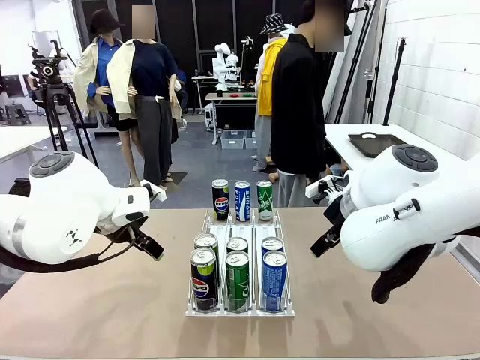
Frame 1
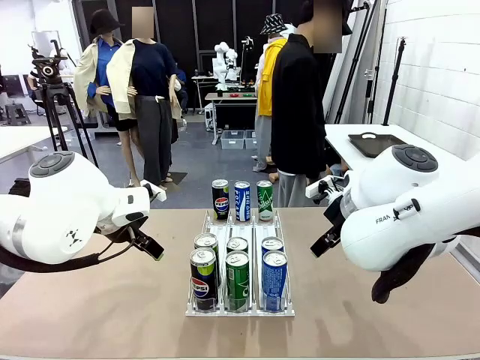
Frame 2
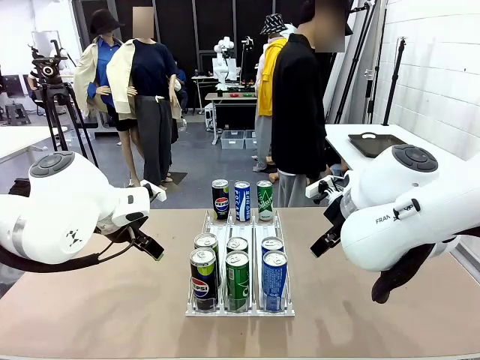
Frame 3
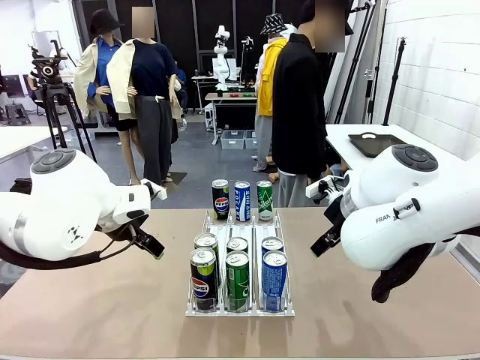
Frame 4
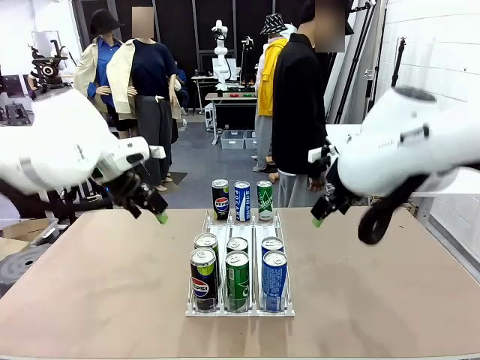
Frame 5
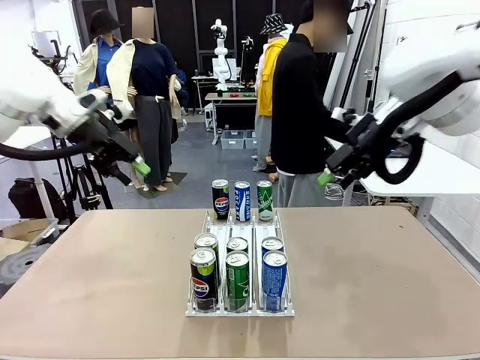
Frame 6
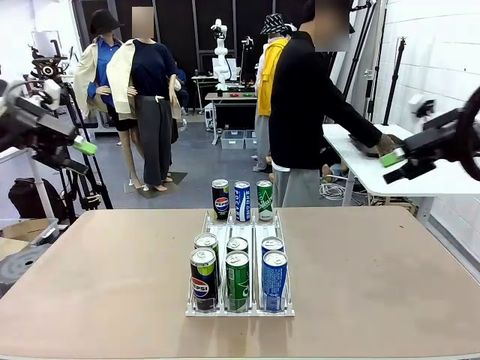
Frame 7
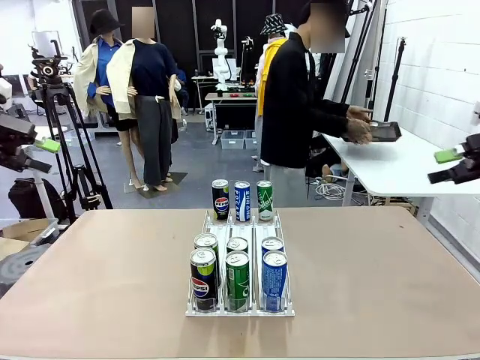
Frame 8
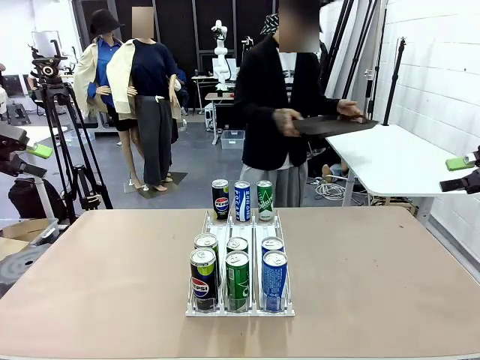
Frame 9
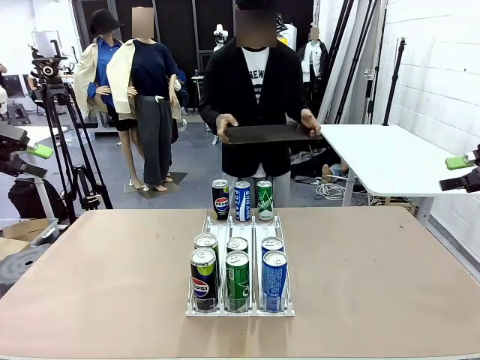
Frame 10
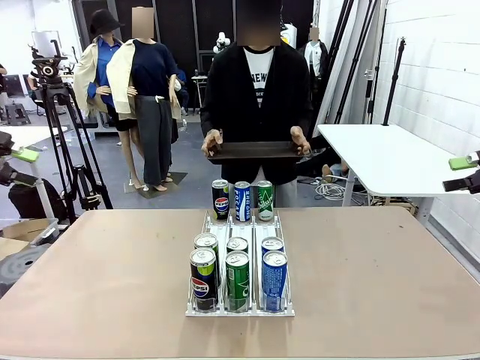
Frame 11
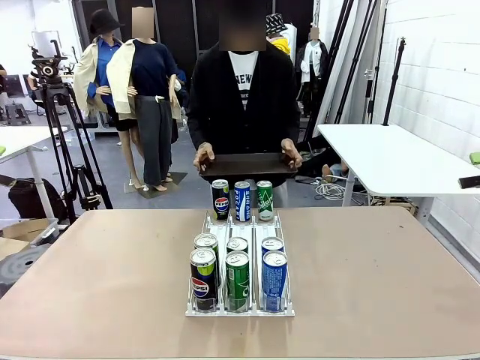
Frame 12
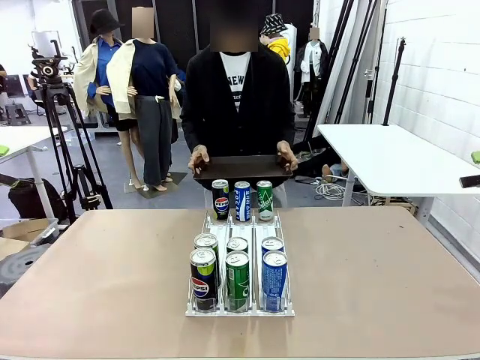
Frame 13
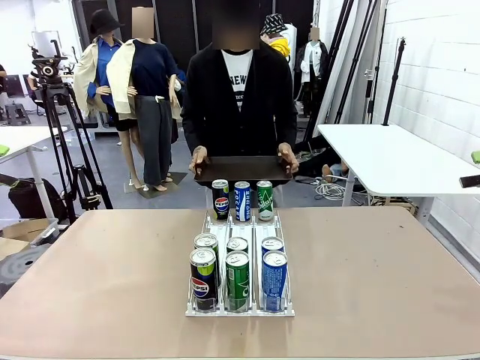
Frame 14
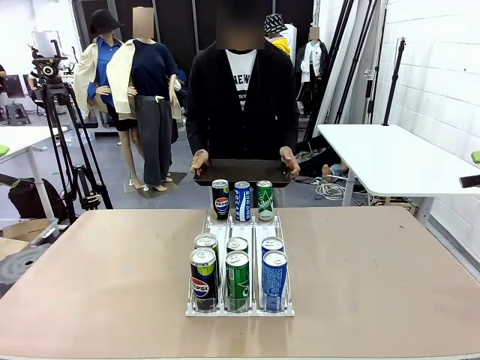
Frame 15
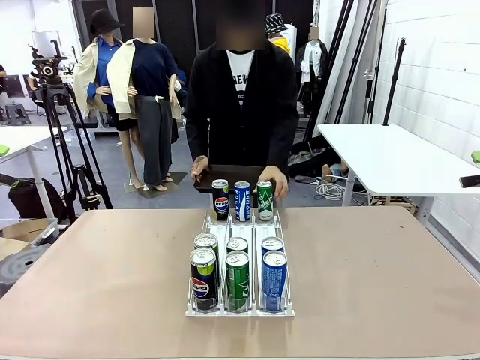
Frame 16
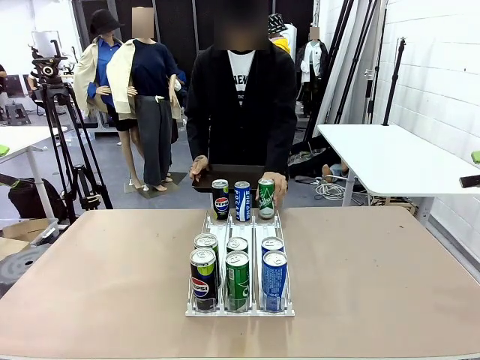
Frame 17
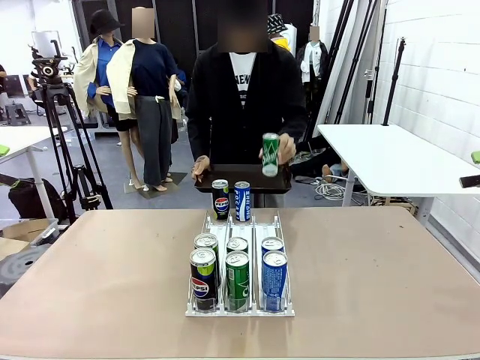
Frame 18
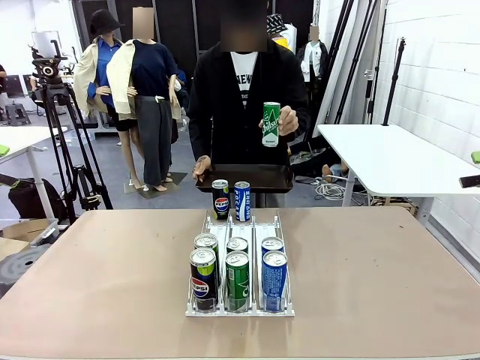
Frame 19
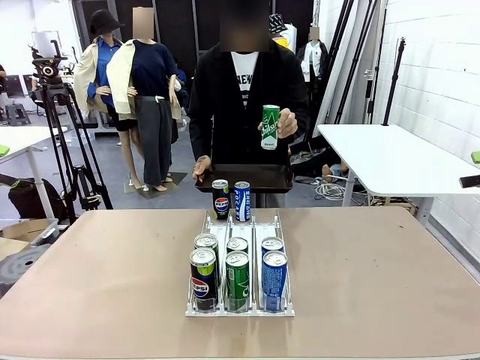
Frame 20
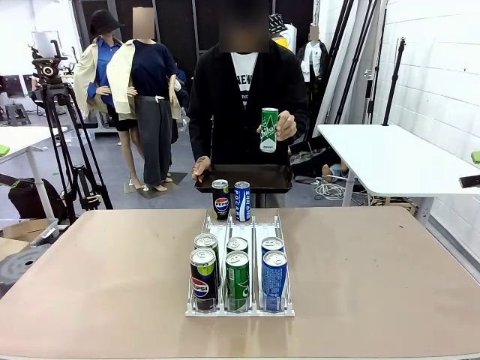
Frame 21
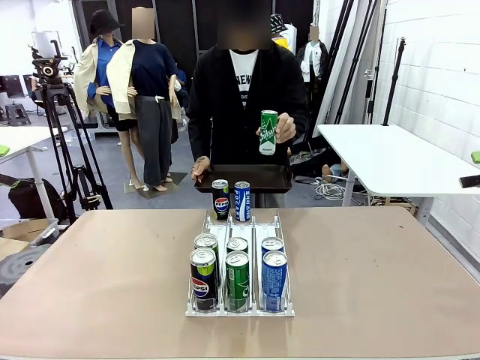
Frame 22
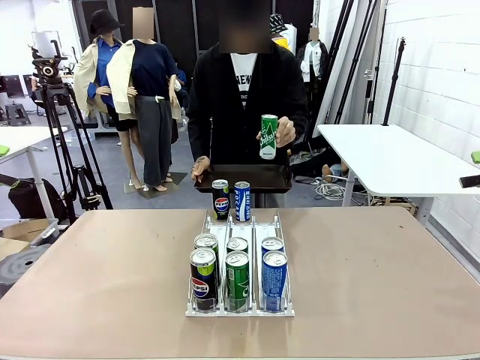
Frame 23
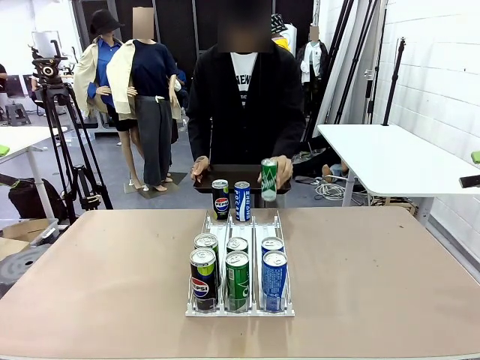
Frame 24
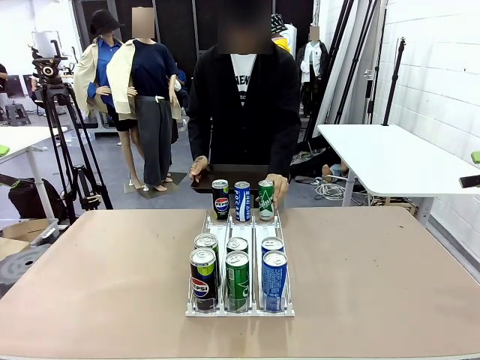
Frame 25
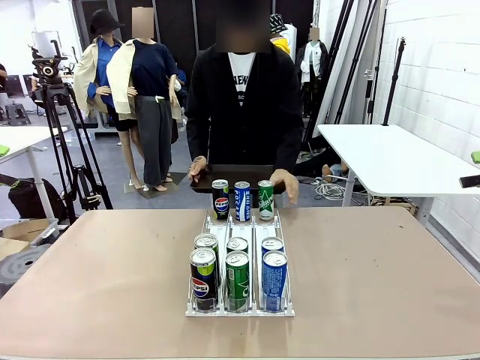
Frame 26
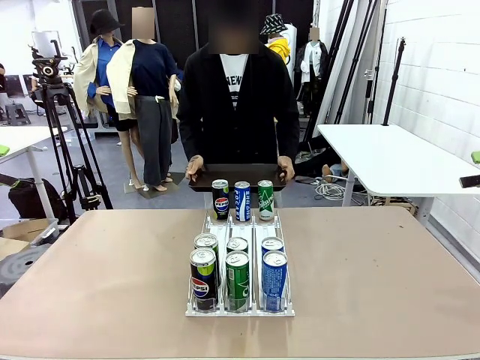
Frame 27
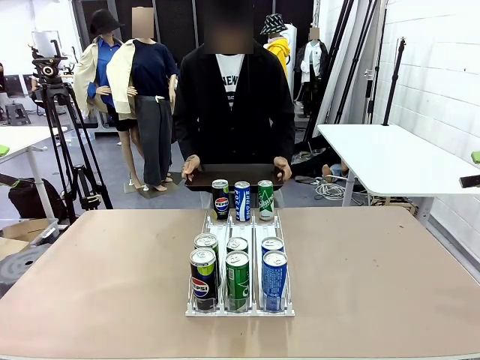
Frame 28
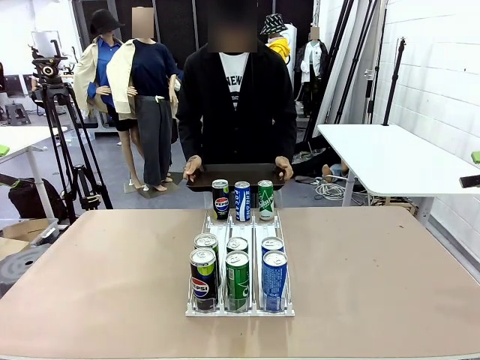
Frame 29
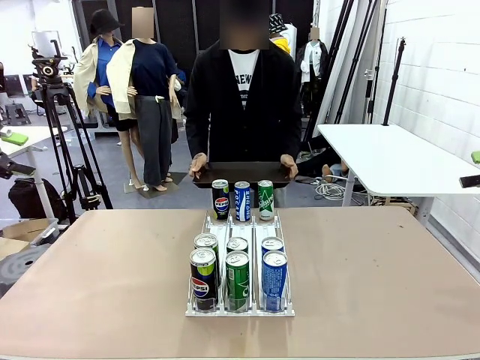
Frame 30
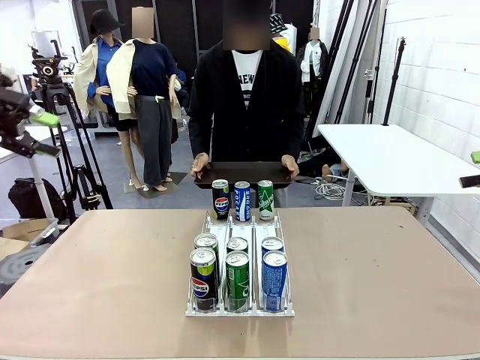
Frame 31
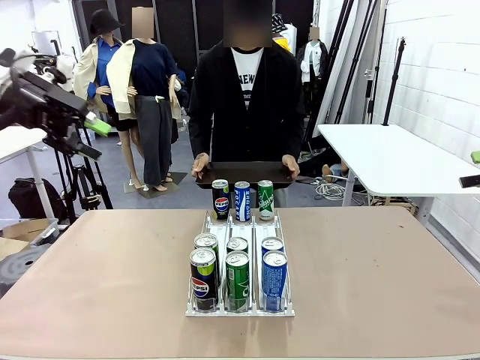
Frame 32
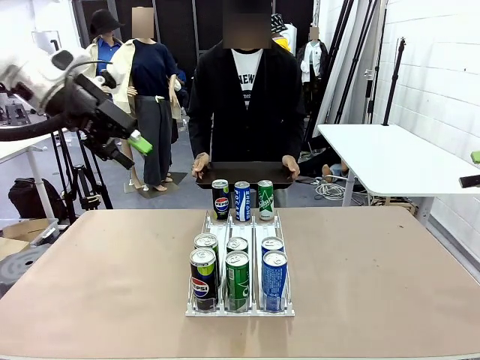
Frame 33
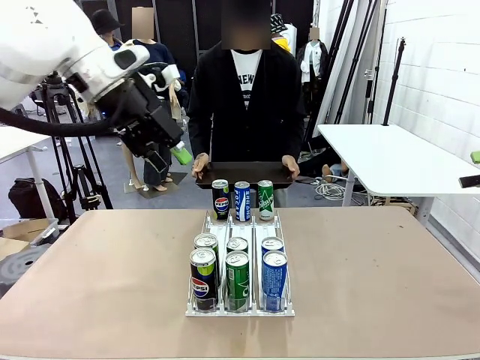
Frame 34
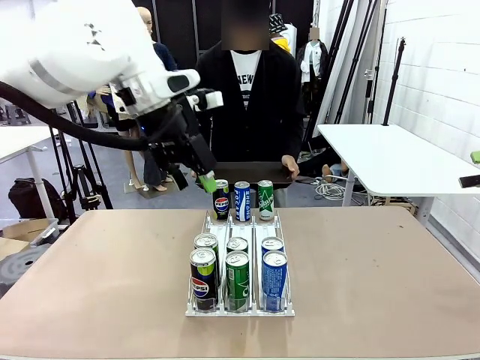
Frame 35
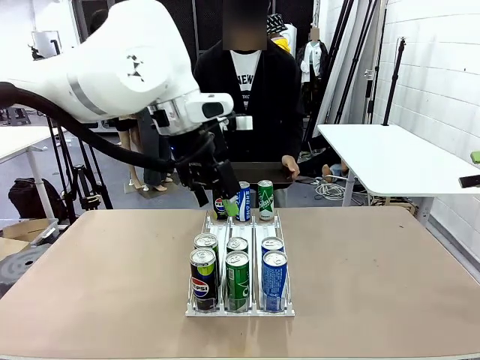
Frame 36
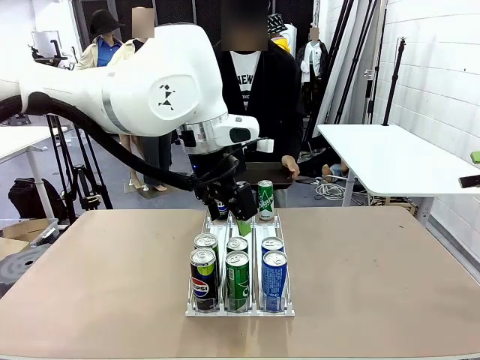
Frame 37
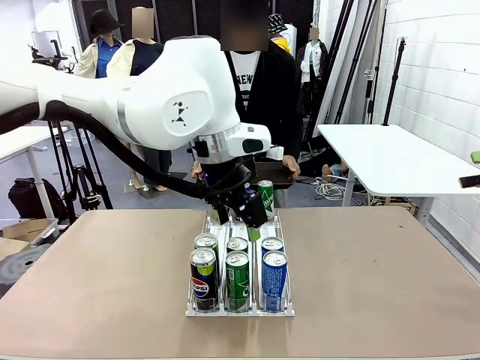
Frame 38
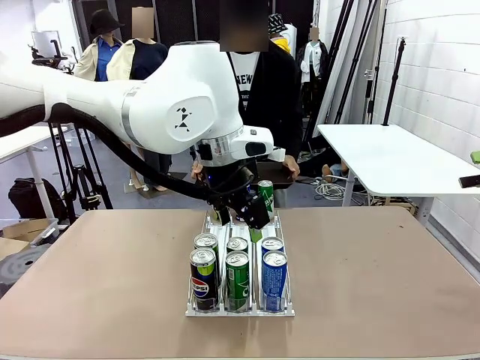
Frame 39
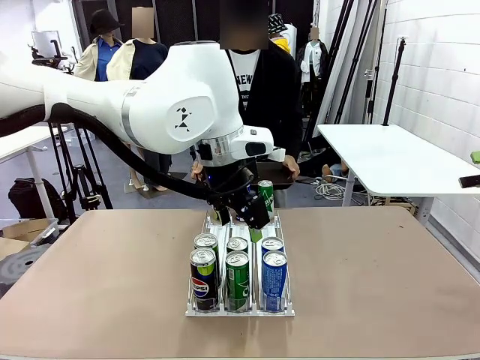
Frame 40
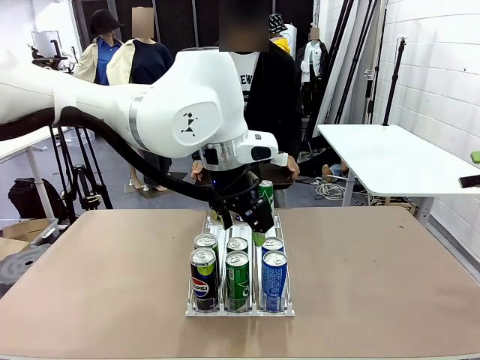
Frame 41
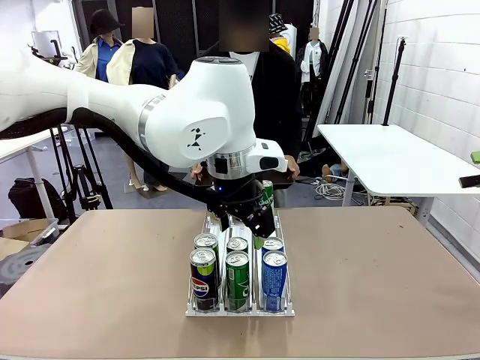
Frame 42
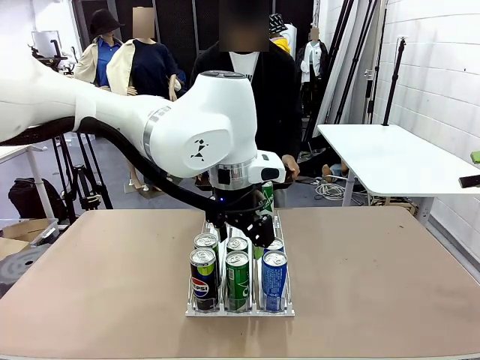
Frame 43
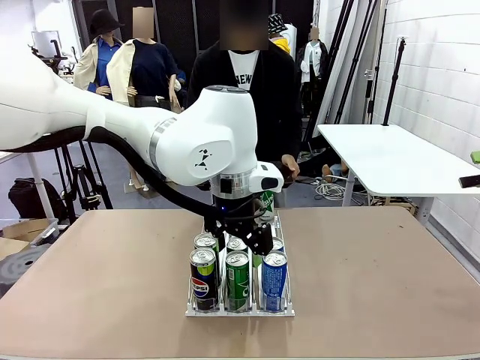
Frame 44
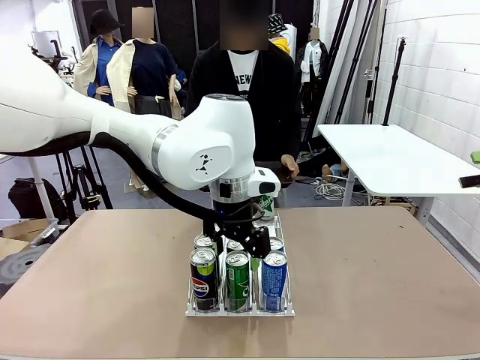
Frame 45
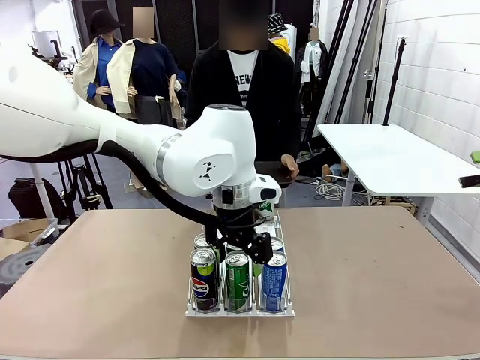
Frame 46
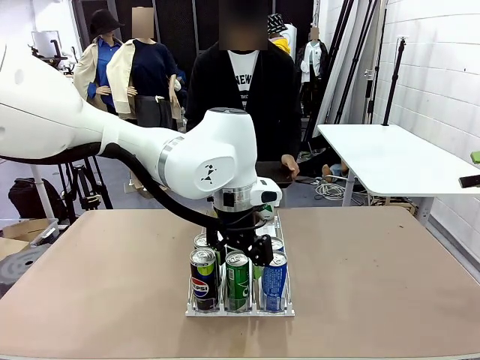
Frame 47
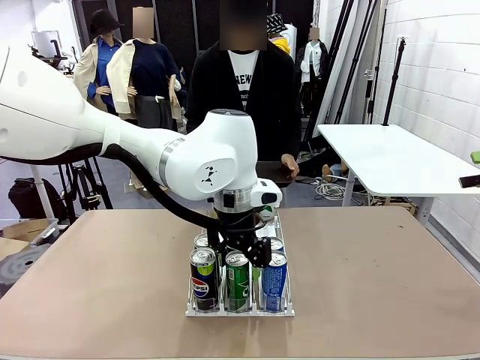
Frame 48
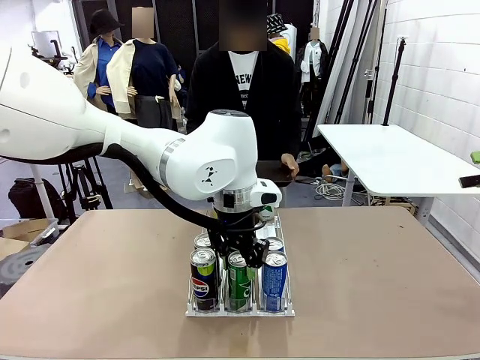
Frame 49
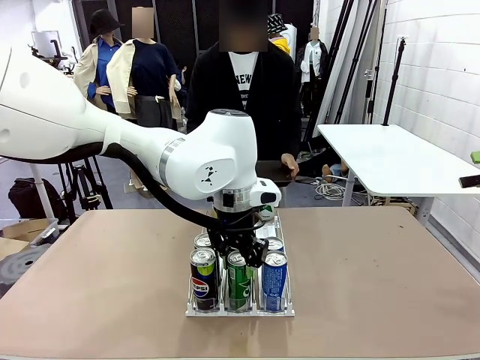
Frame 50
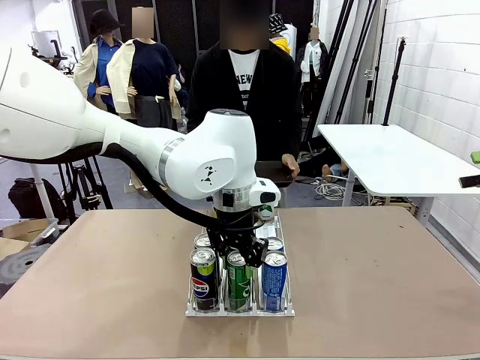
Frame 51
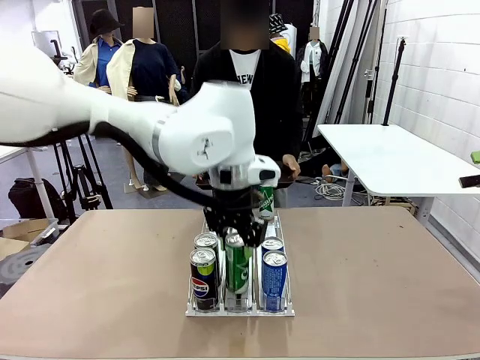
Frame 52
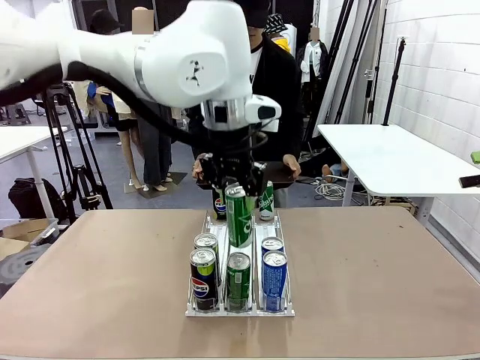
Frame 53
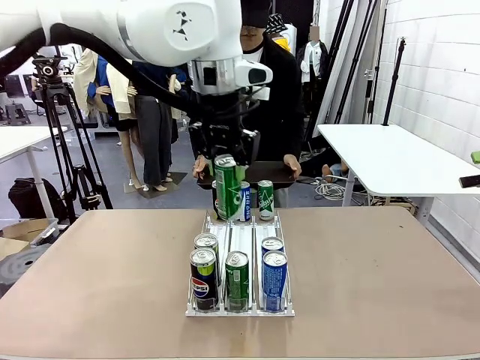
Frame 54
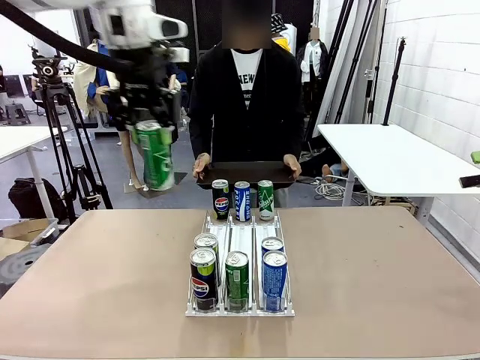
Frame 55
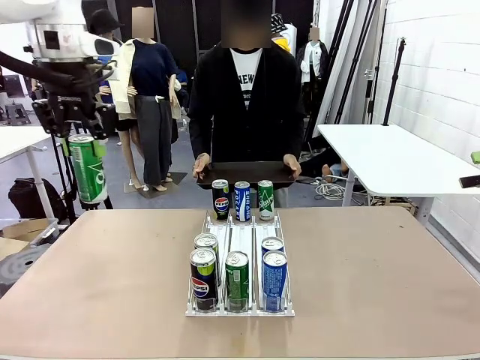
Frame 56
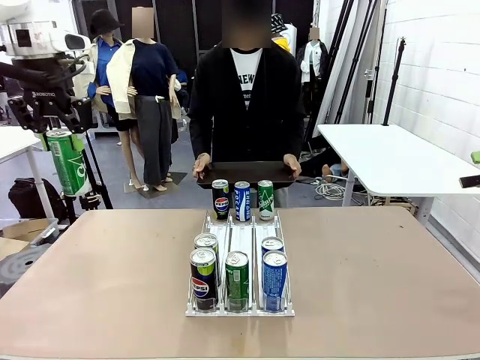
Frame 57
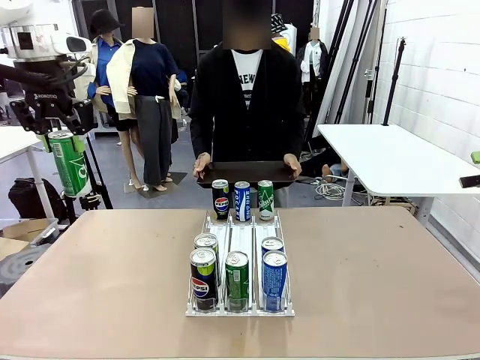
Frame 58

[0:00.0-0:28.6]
Task: Retrieve and hand over the desired beverage to the person.
Robot: Pick up a can of the same type that the person held from the Automatic Can Dispenser.
Person: Hold the tray and position yourself in front of the robot table. Pick up one can from the bottom area of the table and puts it back in its original place. Push the tray toward the robot.
